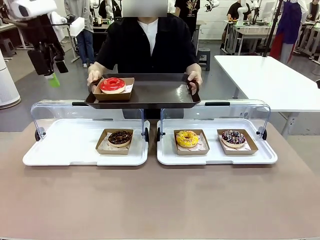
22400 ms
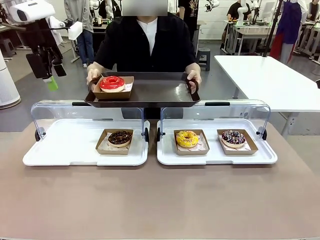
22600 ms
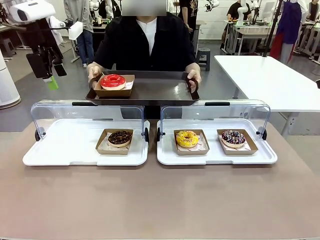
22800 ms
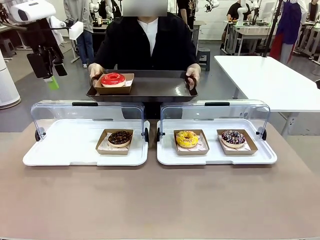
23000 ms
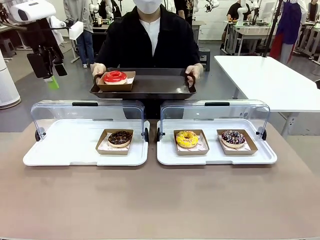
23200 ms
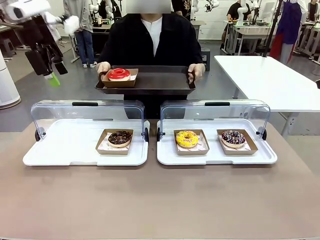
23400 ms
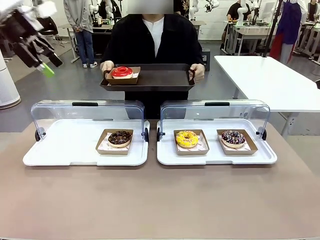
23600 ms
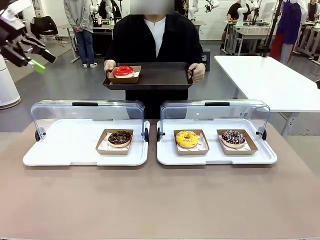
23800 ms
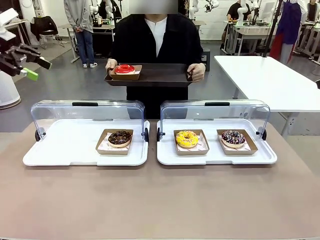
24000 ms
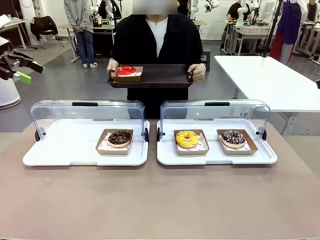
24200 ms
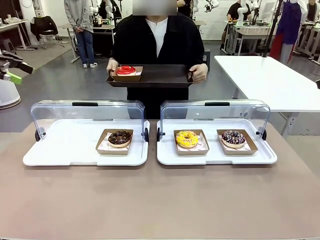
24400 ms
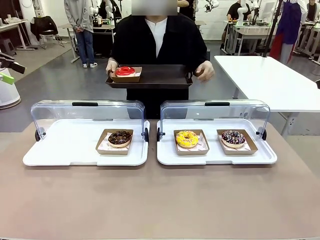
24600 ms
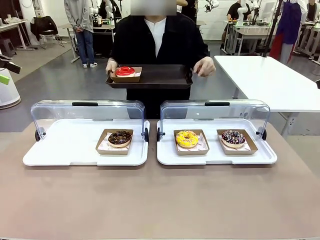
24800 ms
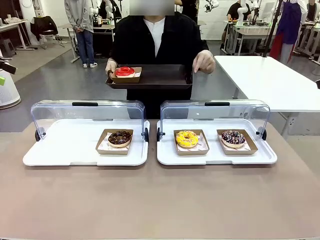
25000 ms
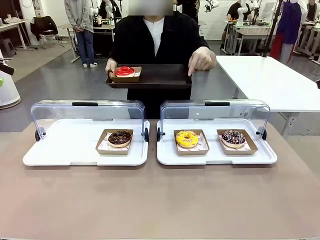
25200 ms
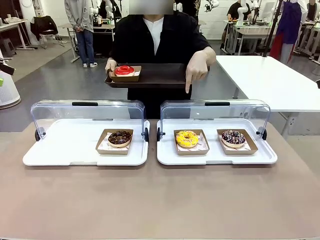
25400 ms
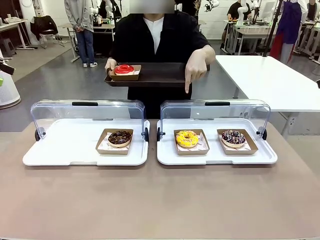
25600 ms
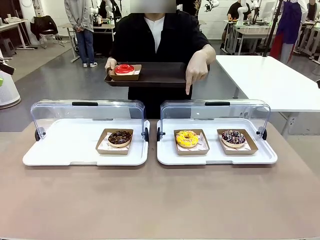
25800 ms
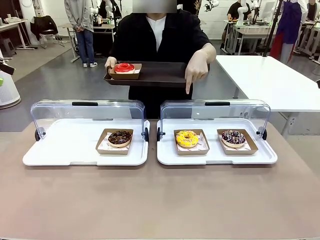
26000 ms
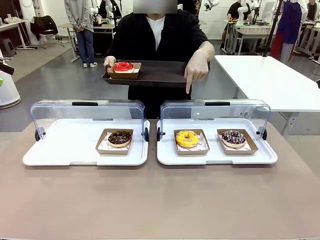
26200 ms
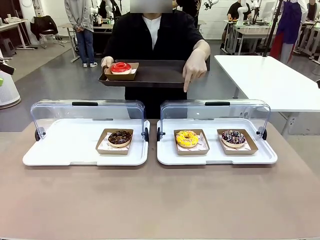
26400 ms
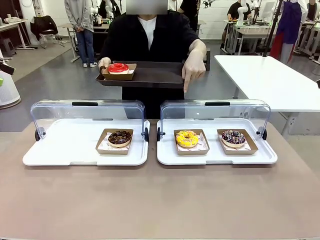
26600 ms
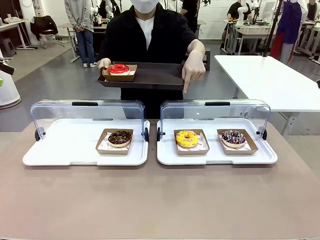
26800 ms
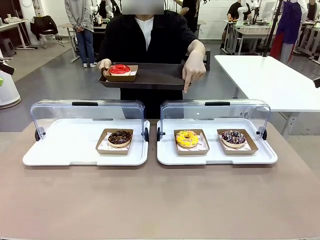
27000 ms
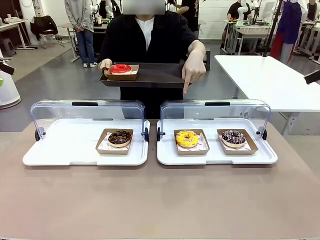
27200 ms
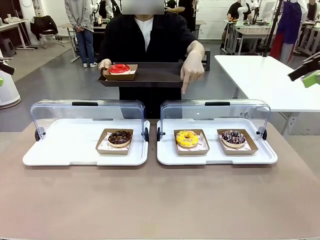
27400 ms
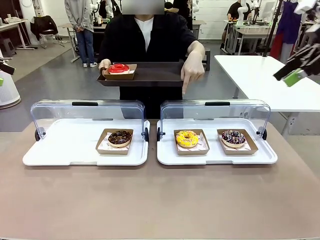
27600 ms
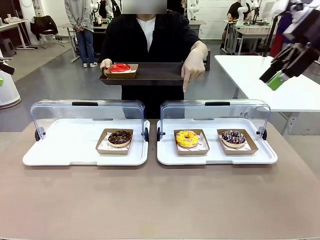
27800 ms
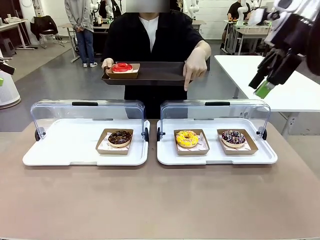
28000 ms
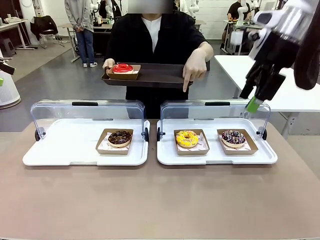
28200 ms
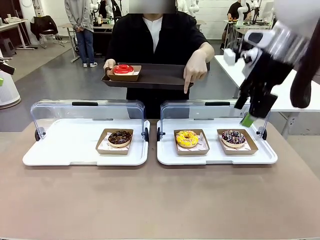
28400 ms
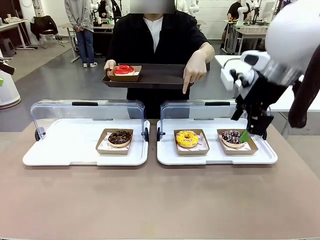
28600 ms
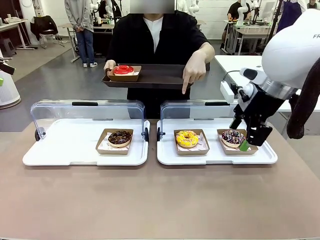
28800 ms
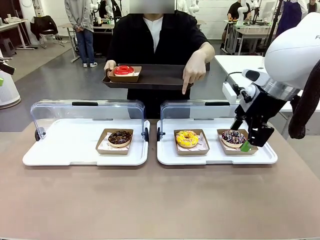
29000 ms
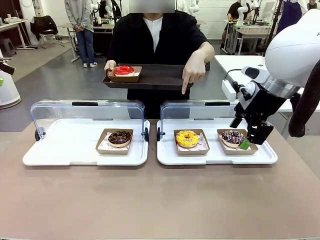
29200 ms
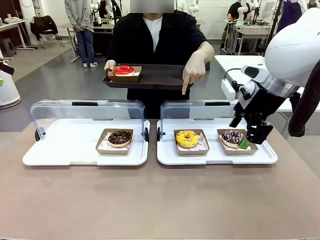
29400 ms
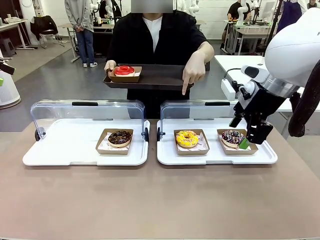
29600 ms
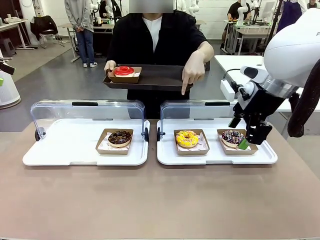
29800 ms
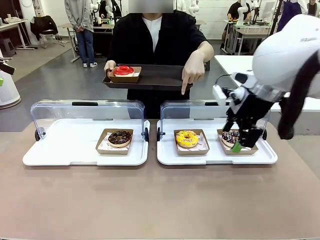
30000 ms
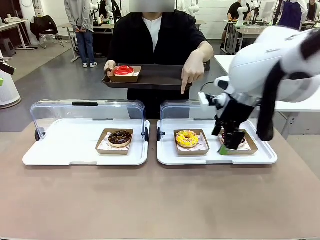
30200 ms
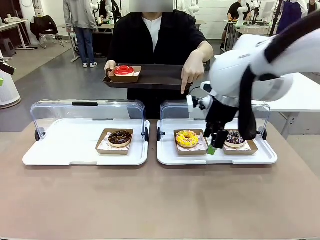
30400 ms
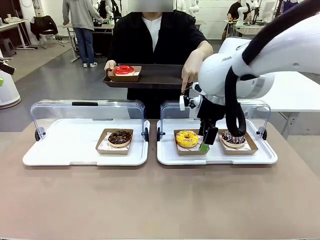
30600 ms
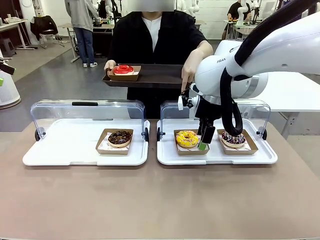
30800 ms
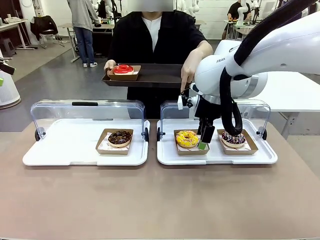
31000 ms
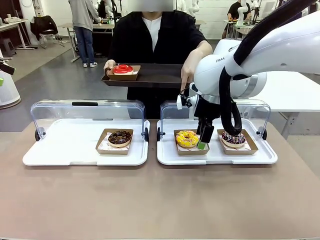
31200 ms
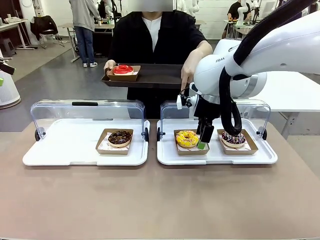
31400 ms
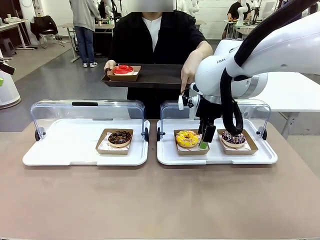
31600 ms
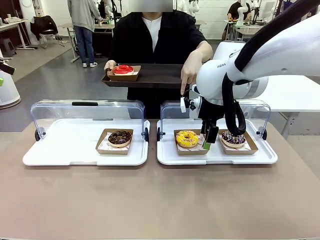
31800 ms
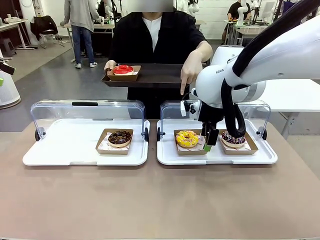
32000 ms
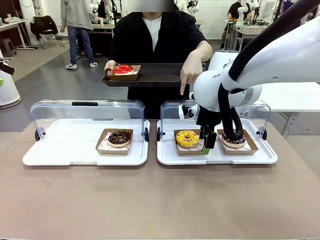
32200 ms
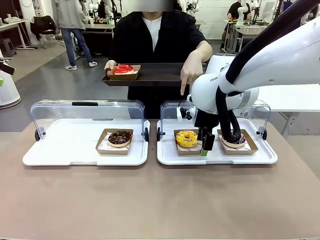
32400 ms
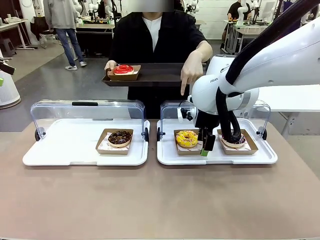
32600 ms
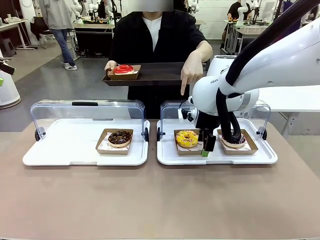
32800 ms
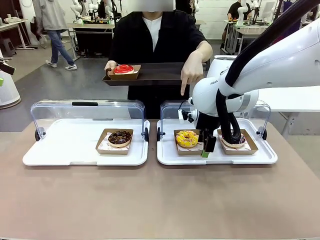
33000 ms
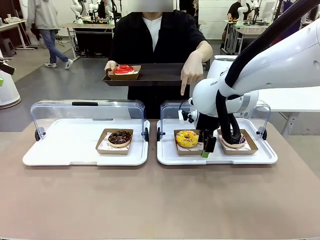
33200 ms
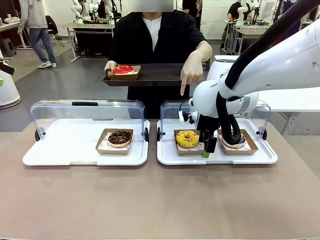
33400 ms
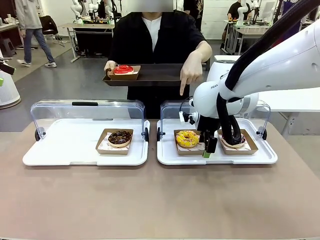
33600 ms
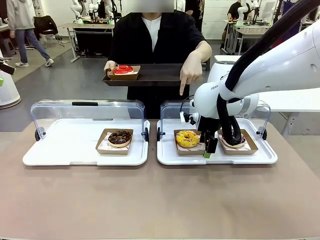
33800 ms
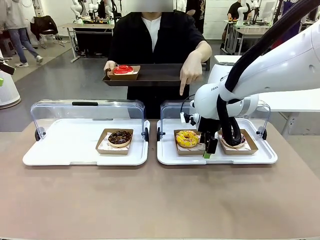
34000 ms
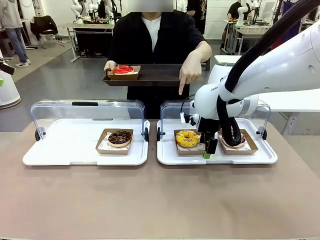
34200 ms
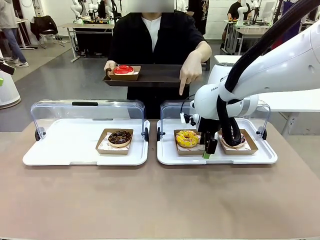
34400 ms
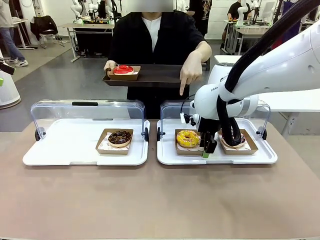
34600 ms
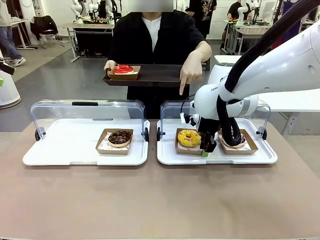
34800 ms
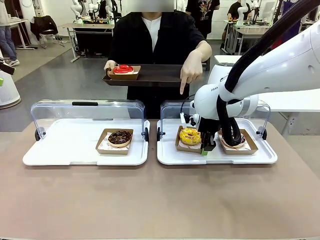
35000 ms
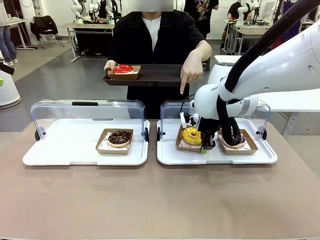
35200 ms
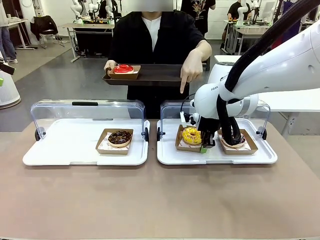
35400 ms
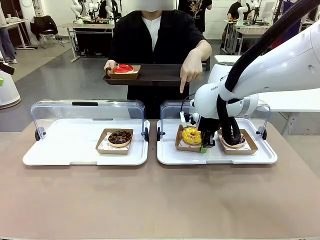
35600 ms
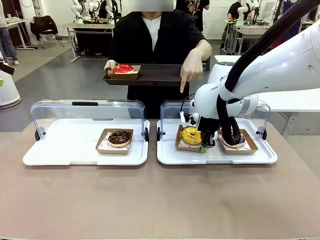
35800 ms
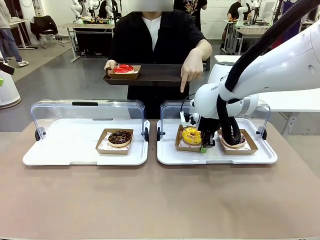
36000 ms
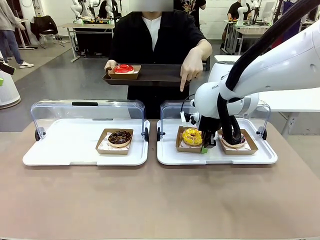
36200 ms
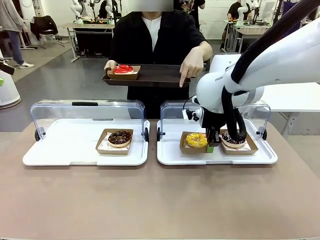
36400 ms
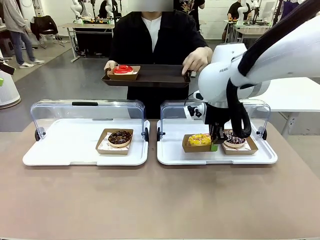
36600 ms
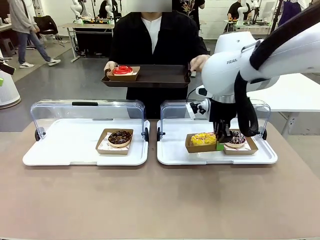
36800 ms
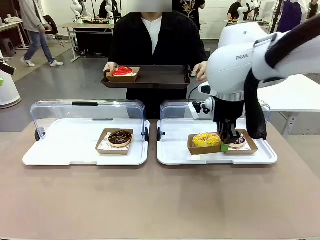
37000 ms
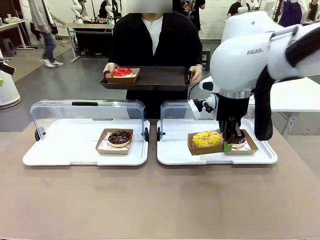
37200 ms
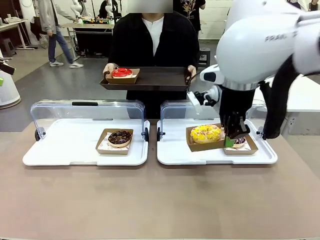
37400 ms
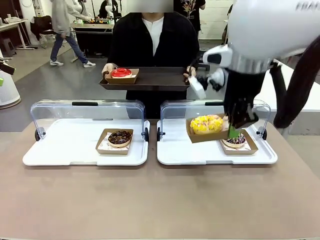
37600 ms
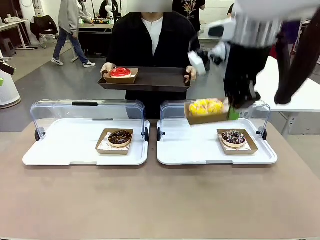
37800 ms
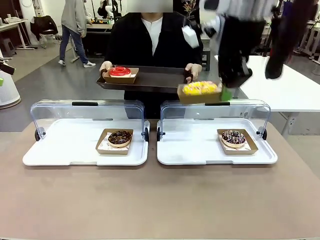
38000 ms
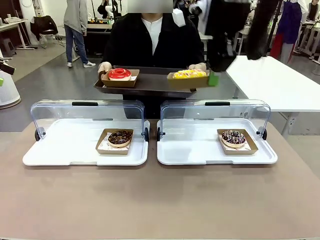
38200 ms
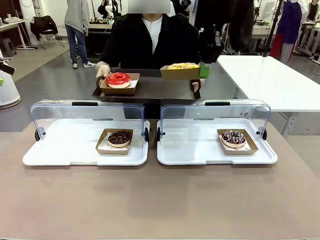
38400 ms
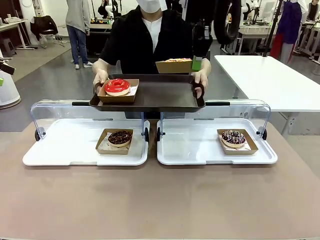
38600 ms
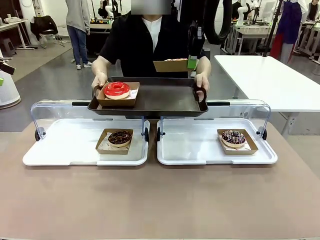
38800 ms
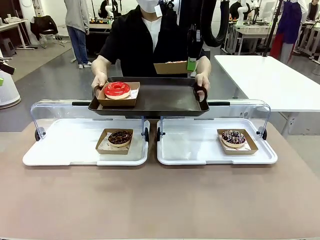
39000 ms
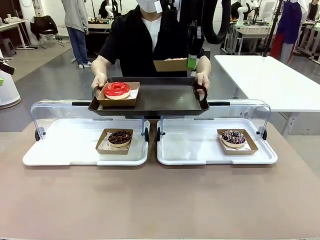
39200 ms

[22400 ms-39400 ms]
Task: Provide the desired donut to the person.
Robot: Pick up and lift the Paper togo box containing the Donut pointed at by the person.
Person: Point to one donut. Lift the tray onto the Roll-Top Bakery Case.
